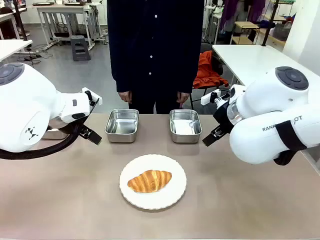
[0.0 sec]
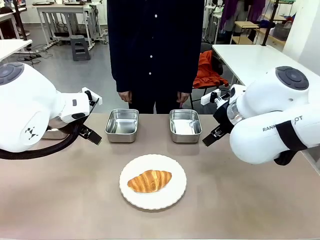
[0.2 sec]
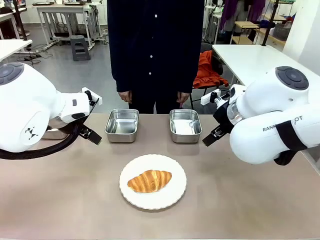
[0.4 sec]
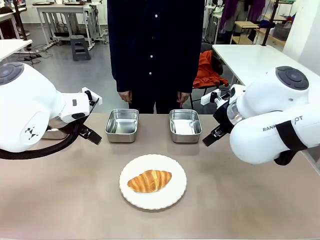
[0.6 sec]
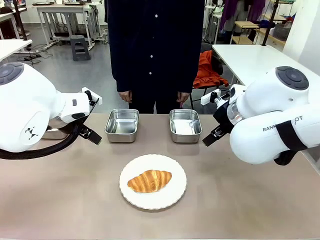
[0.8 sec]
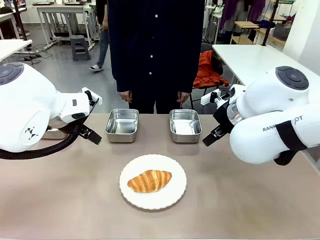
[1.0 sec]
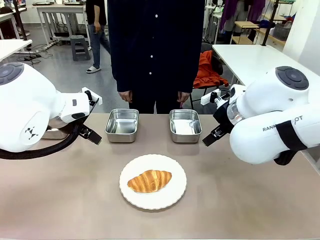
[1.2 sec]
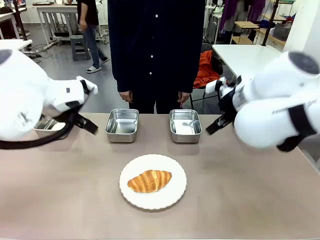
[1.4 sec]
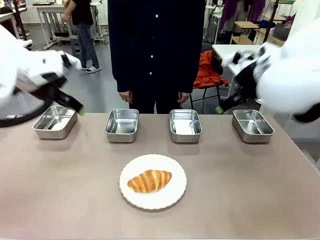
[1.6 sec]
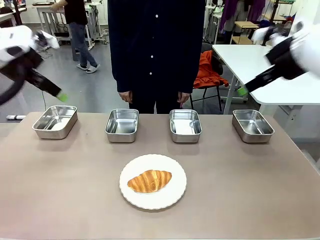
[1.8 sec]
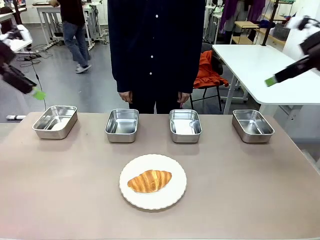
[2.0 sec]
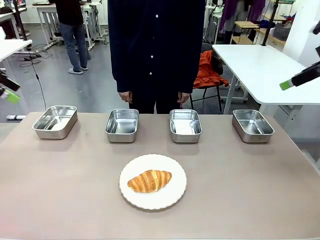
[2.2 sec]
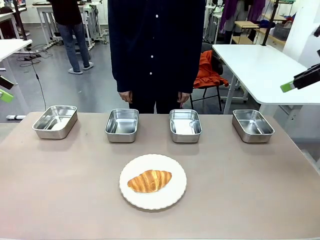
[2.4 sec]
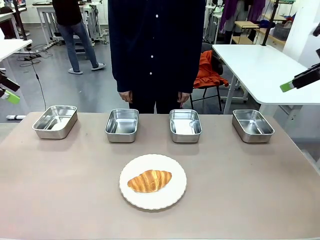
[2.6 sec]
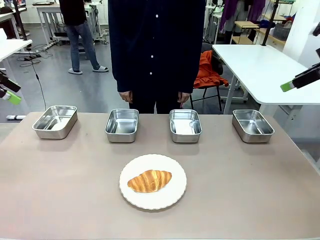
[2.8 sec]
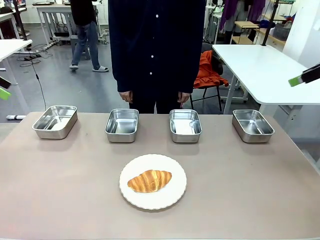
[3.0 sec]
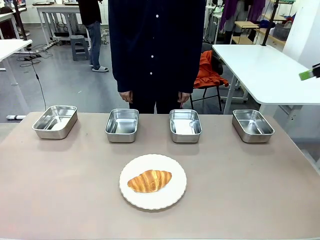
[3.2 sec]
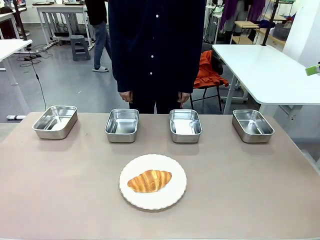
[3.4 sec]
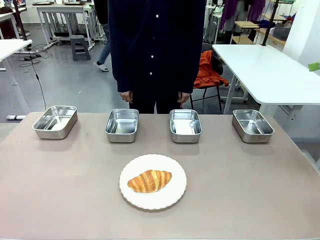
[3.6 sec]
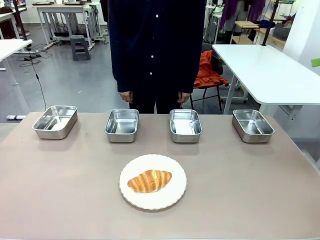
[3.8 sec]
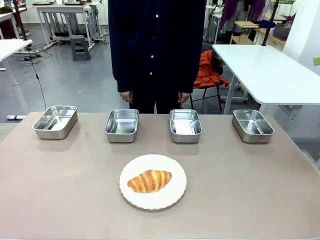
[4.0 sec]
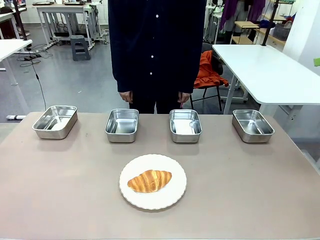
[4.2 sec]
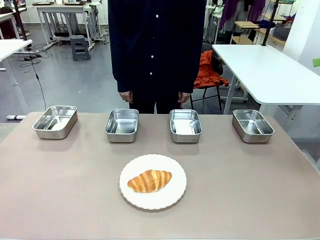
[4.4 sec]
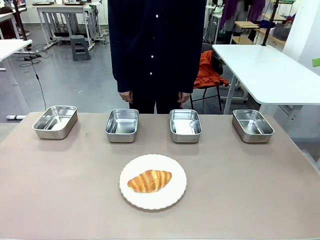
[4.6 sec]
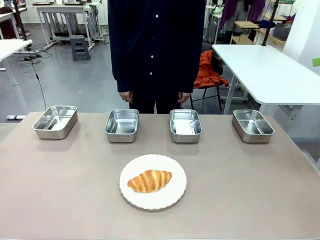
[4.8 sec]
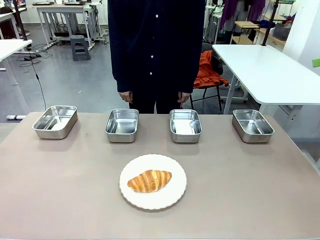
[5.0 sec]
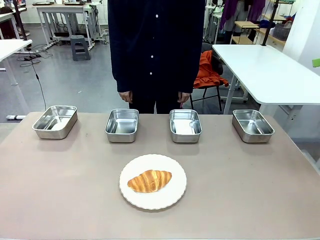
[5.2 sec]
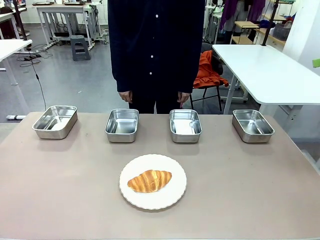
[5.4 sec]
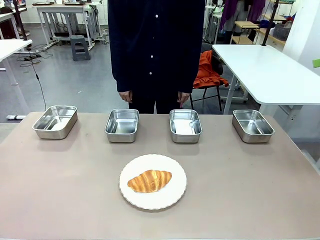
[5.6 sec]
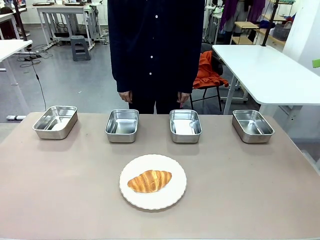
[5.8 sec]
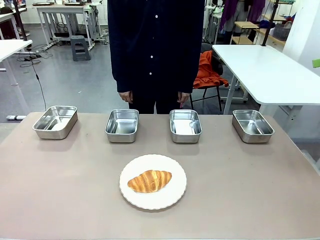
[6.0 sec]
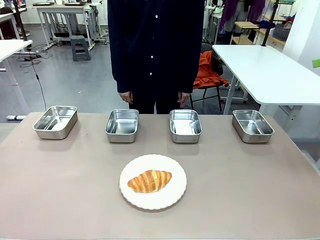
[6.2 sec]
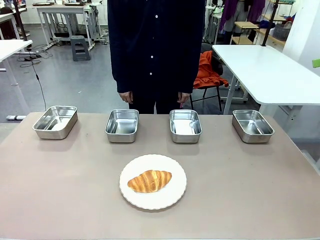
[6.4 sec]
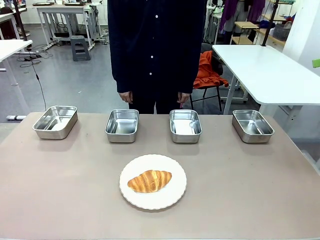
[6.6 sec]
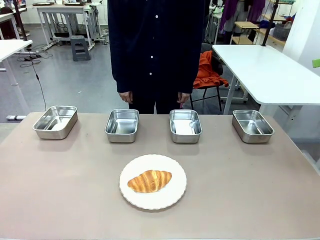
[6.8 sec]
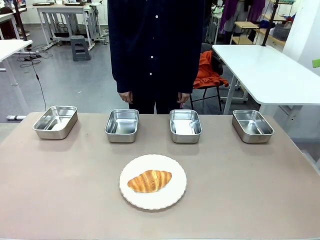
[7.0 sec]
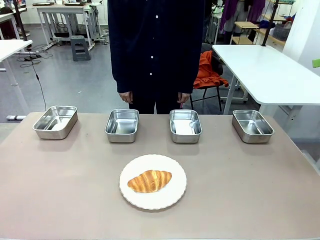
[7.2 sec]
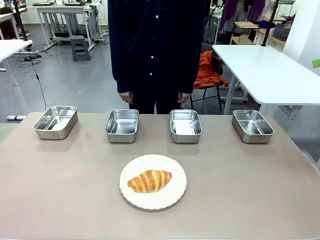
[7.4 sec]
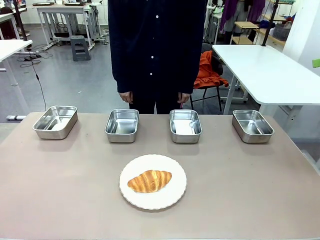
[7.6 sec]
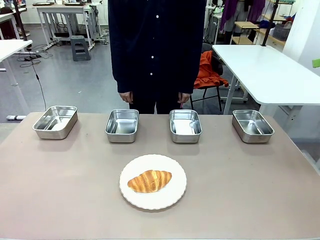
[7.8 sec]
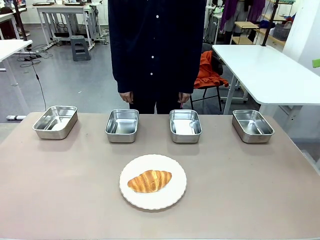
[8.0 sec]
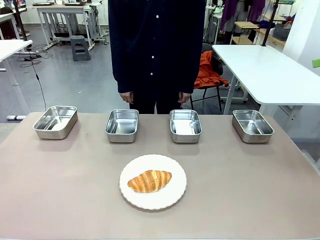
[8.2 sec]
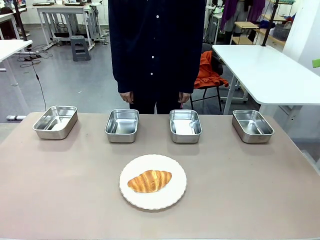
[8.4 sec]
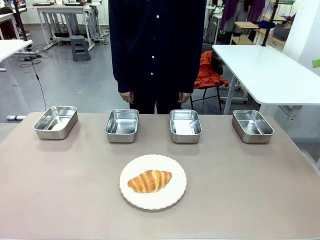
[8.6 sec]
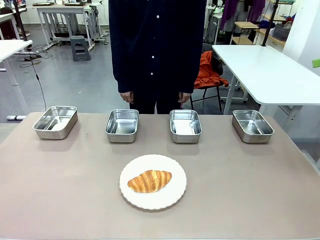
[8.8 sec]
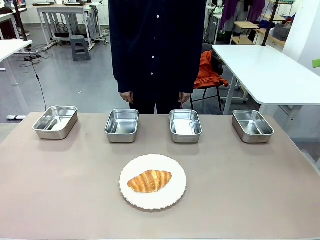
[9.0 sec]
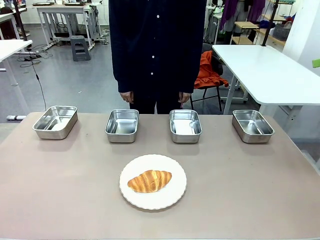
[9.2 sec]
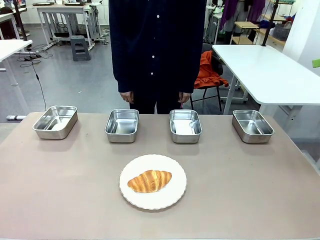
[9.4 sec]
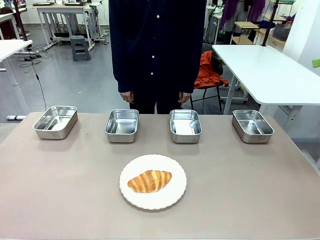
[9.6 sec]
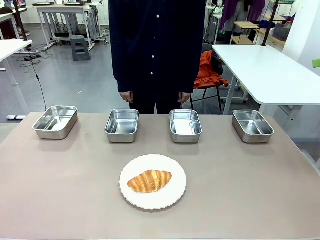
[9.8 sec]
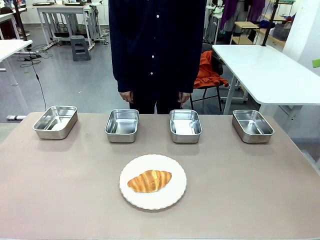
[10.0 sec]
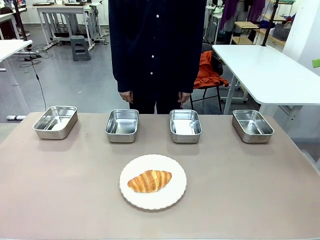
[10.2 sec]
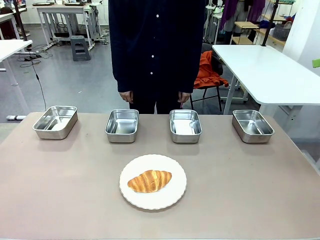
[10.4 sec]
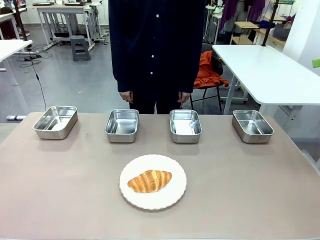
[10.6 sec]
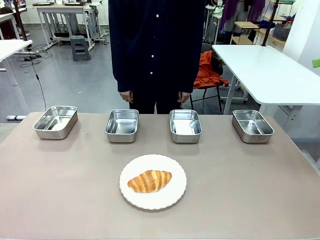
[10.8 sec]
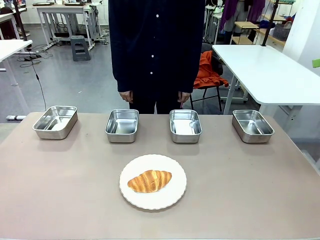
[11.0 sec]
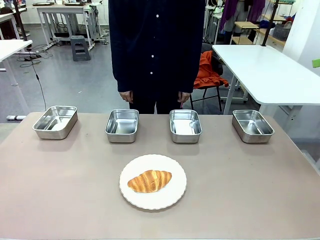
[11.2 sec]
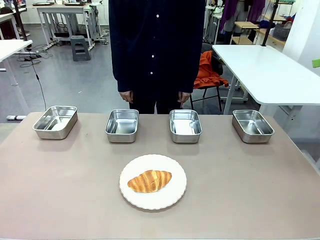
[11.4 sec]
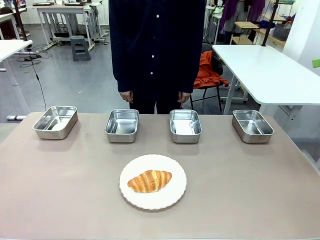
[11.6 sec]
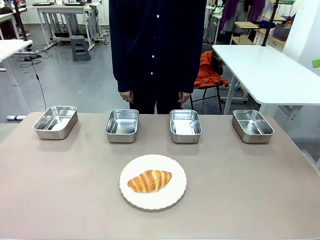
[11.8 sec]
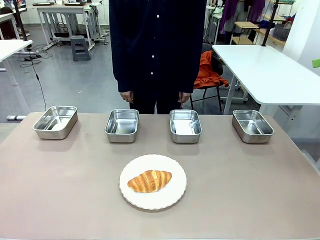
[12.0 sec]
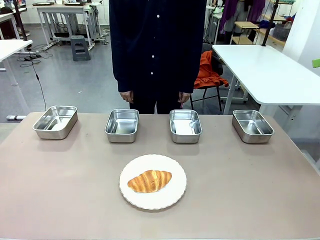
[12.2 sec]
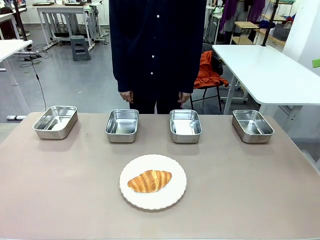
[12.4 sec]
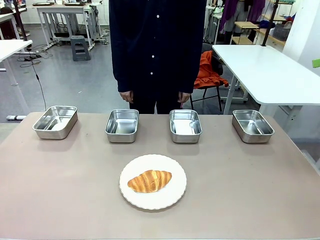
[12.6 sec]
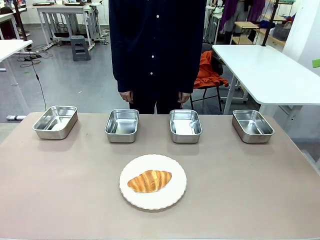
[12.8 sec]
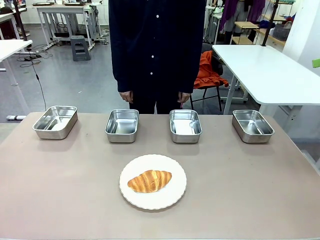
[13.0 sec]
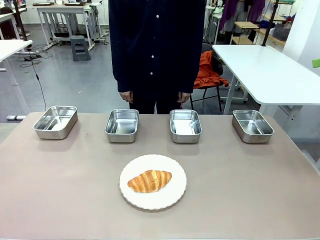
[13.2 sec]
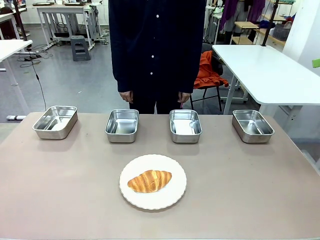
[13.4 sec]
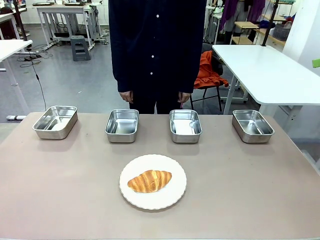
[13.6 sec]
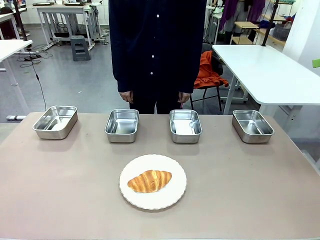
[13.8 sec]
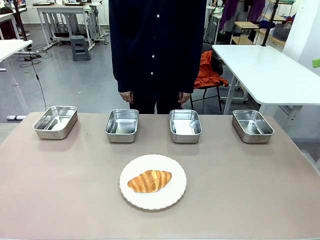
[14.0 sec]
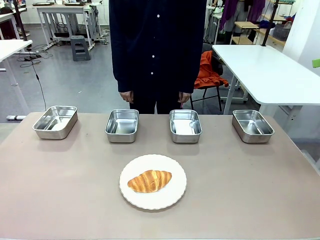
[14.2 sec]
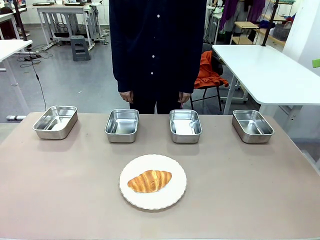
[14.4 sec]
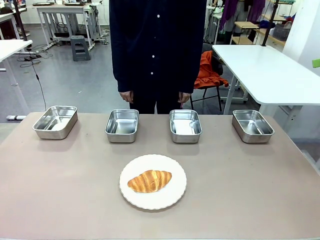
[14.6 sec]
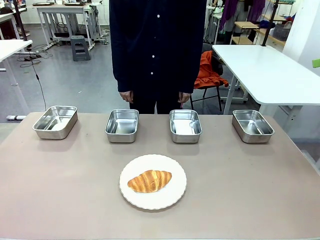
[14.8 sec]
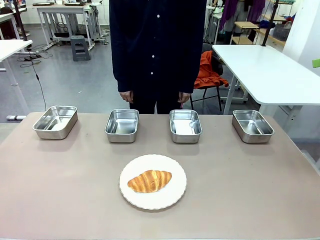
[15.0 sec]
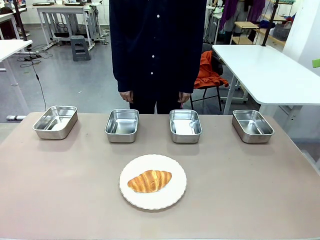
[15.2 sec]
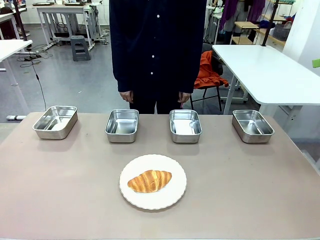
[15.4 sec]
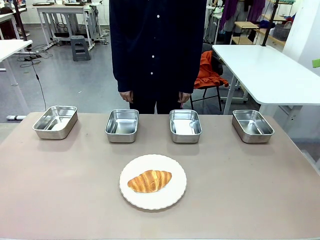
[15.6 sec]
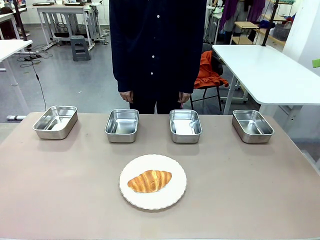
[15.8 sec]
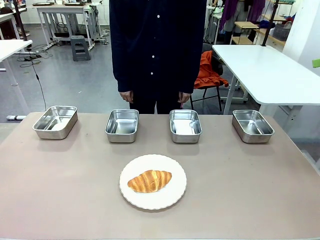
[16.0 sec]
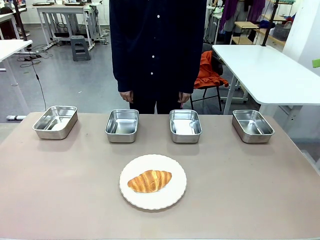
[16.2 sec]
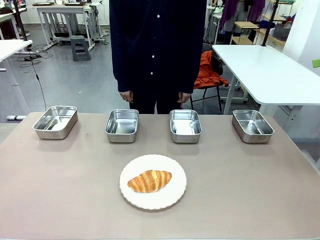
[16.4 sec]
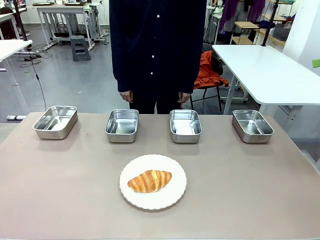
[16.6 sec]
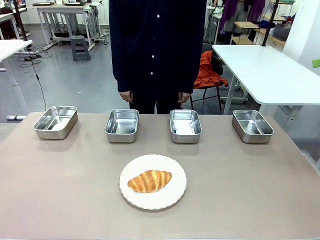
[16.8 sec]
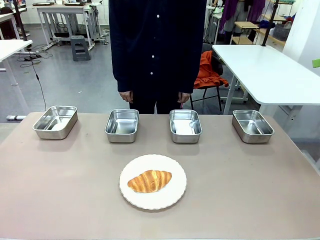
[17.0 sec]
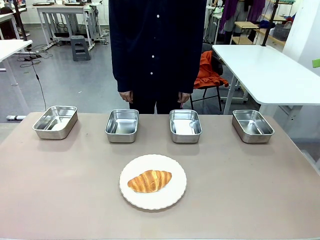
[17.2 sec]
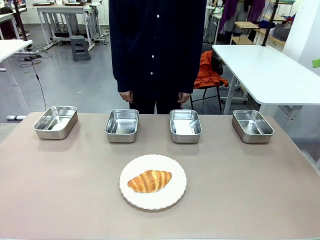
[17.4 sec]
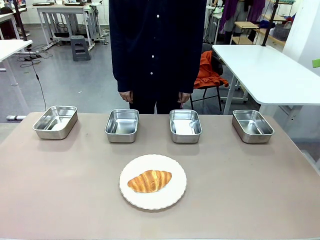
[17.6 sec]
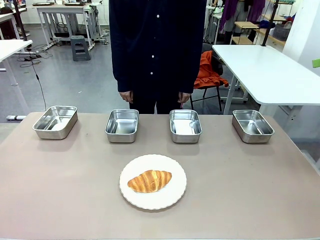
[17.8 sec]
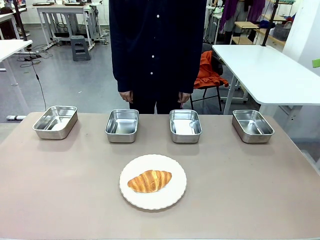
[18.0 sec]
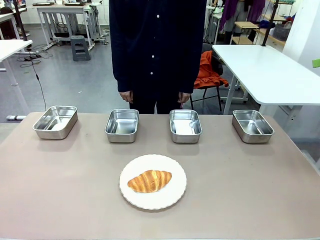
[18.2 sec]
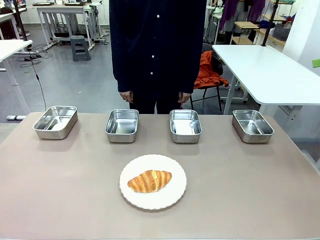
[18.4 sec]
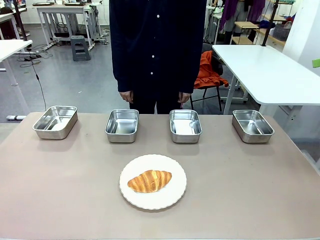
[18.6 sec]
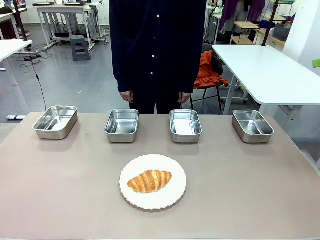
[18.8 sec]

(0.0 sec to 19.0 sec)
Task: Place the bread in the container.
Robot: Place the Butter Roll into the Airtight Container indicated by the human.
